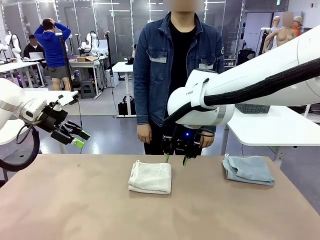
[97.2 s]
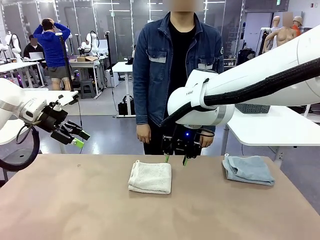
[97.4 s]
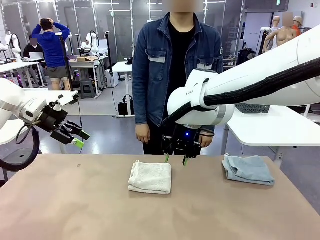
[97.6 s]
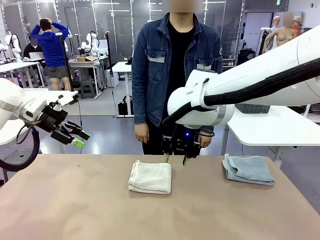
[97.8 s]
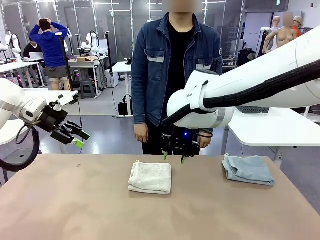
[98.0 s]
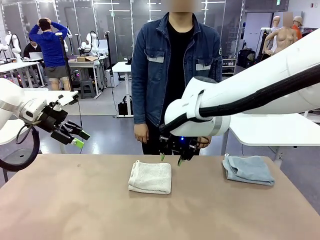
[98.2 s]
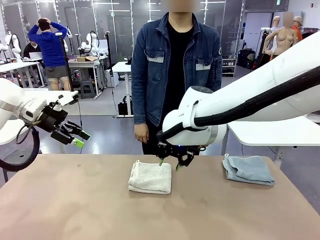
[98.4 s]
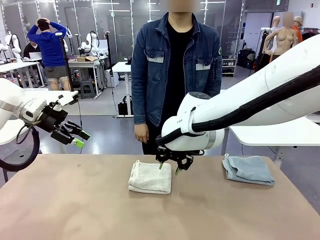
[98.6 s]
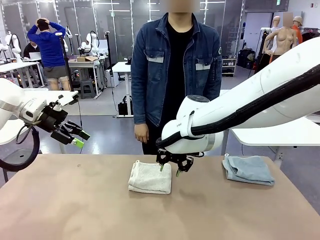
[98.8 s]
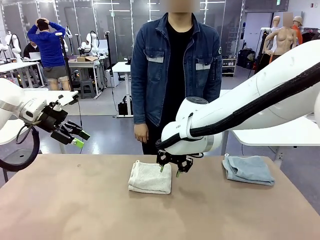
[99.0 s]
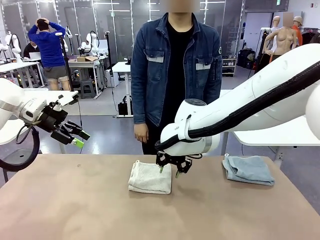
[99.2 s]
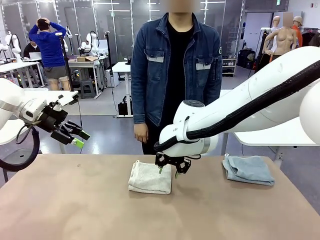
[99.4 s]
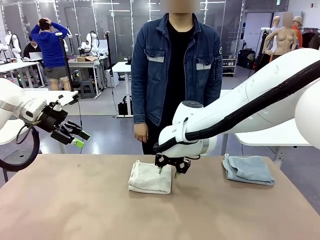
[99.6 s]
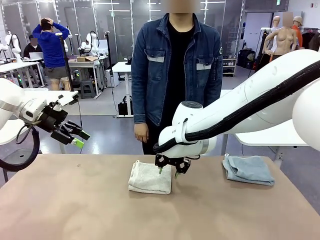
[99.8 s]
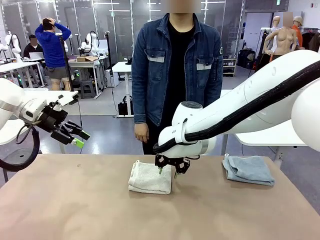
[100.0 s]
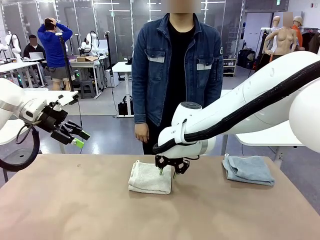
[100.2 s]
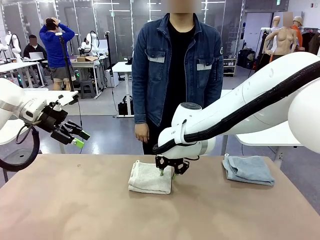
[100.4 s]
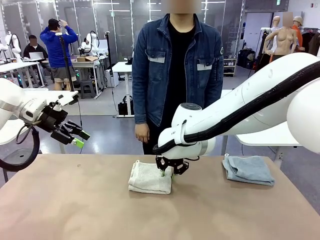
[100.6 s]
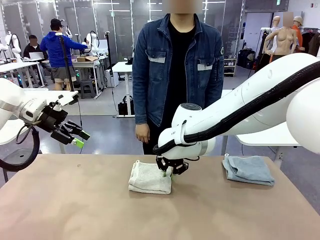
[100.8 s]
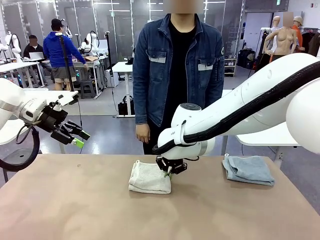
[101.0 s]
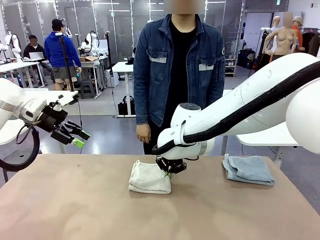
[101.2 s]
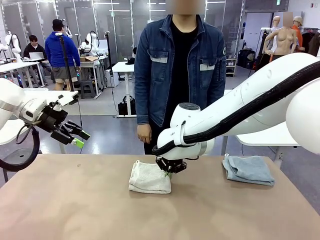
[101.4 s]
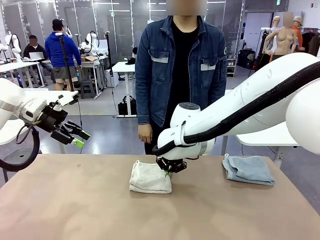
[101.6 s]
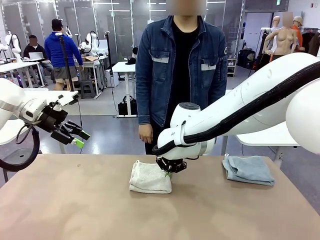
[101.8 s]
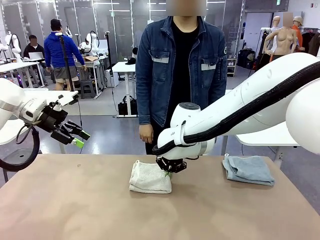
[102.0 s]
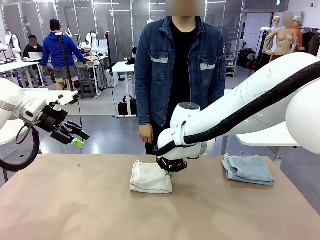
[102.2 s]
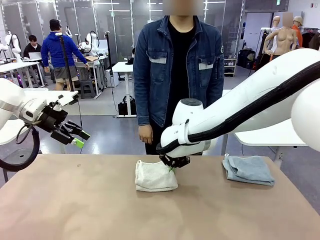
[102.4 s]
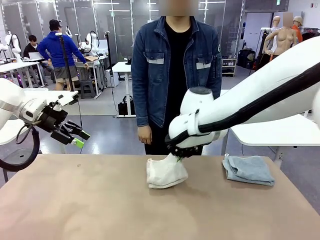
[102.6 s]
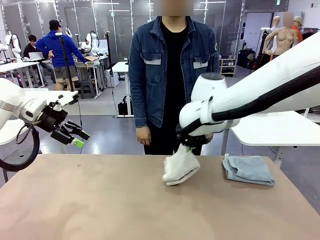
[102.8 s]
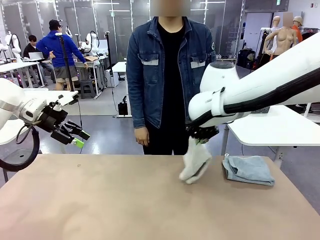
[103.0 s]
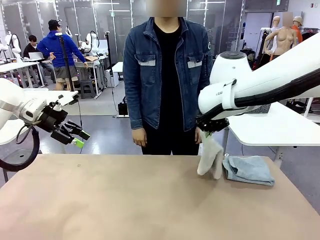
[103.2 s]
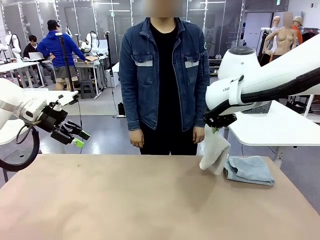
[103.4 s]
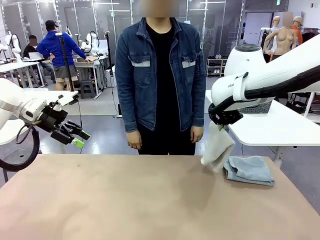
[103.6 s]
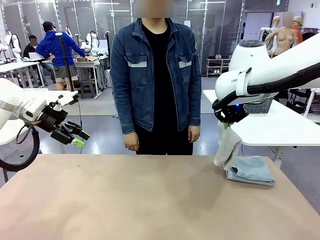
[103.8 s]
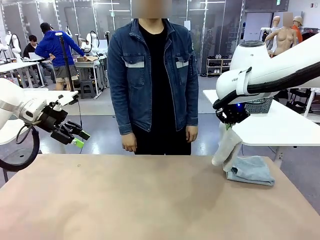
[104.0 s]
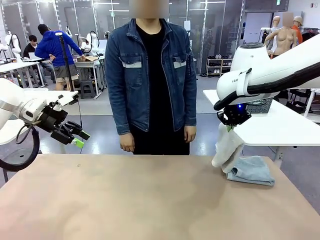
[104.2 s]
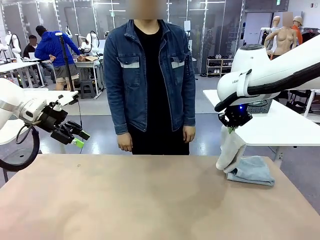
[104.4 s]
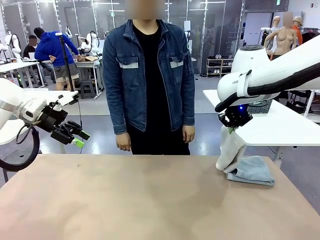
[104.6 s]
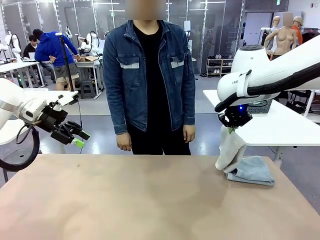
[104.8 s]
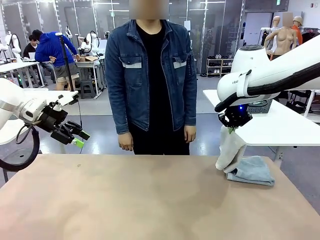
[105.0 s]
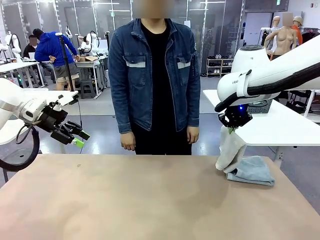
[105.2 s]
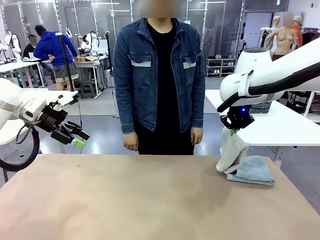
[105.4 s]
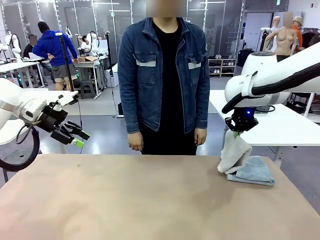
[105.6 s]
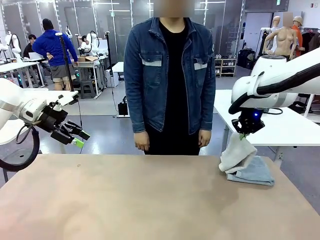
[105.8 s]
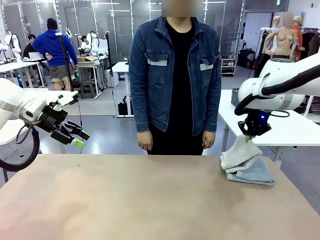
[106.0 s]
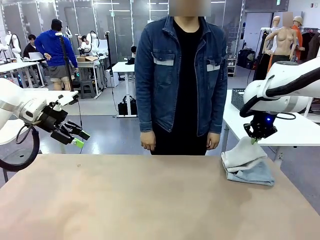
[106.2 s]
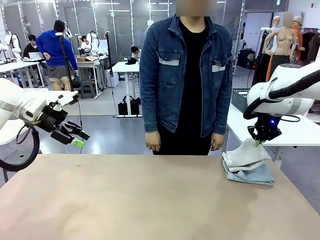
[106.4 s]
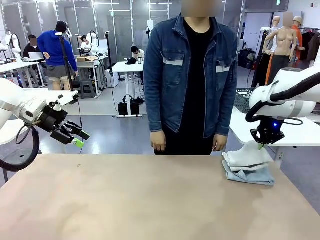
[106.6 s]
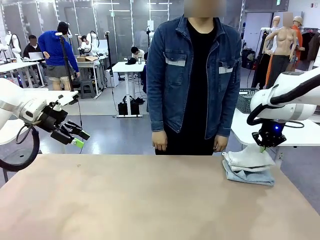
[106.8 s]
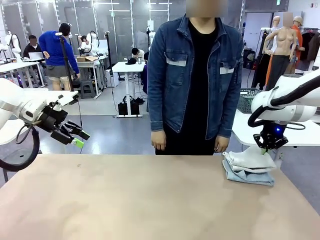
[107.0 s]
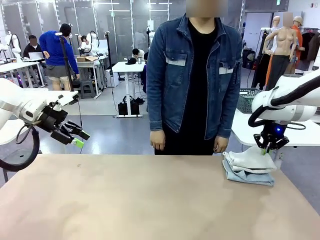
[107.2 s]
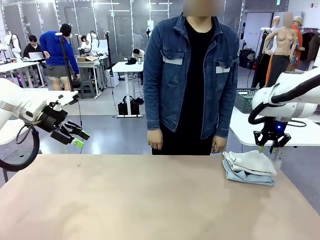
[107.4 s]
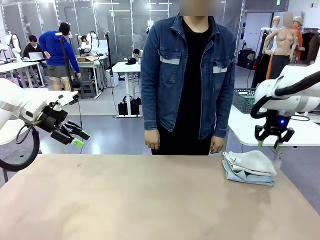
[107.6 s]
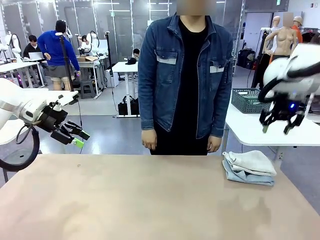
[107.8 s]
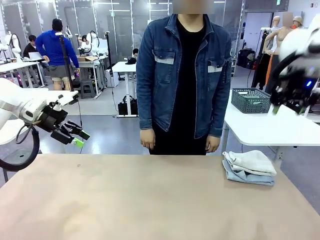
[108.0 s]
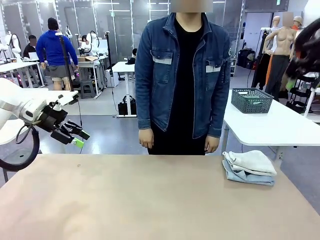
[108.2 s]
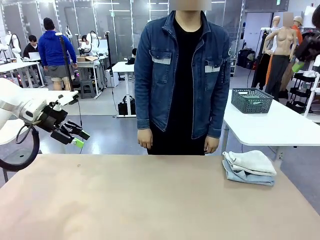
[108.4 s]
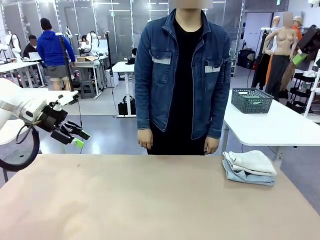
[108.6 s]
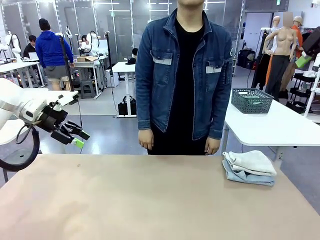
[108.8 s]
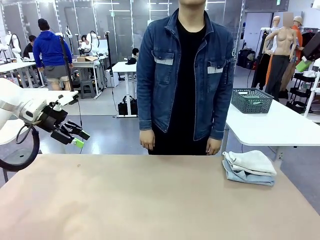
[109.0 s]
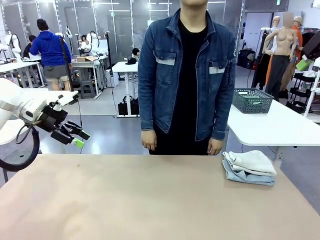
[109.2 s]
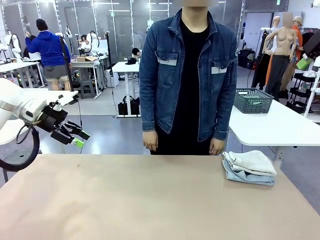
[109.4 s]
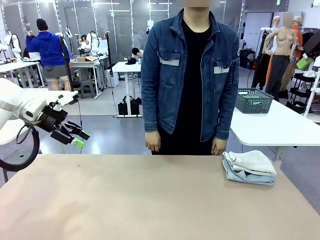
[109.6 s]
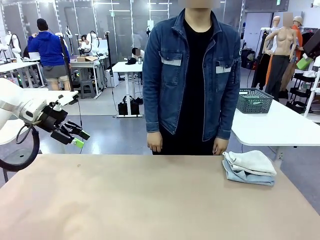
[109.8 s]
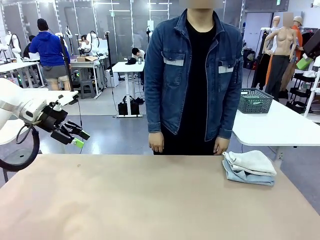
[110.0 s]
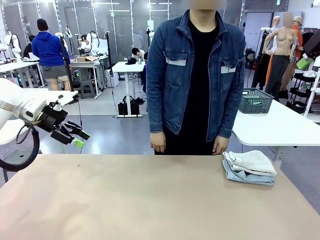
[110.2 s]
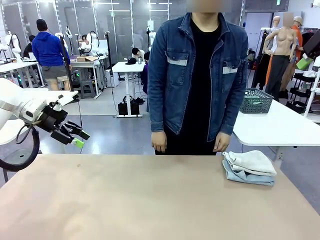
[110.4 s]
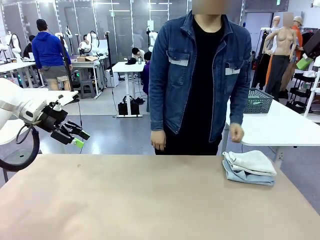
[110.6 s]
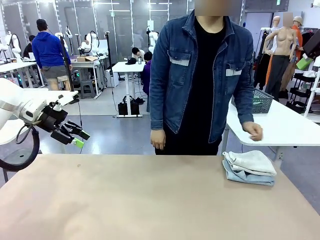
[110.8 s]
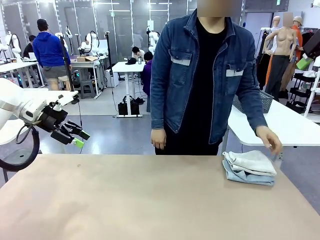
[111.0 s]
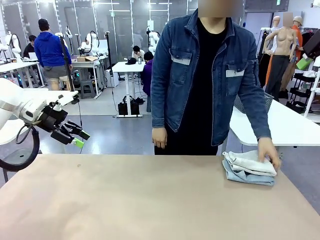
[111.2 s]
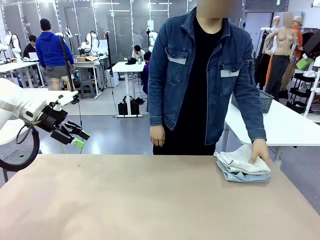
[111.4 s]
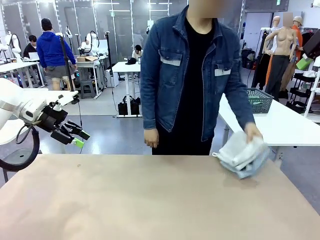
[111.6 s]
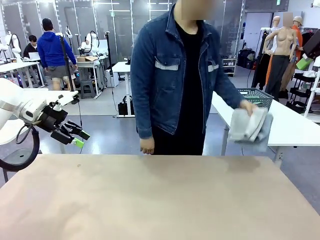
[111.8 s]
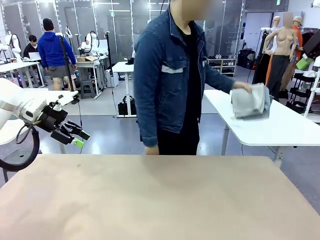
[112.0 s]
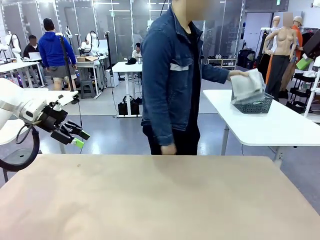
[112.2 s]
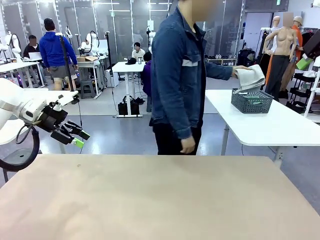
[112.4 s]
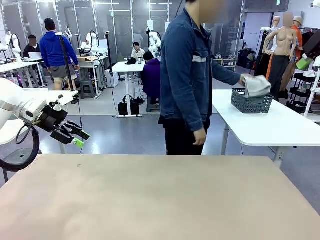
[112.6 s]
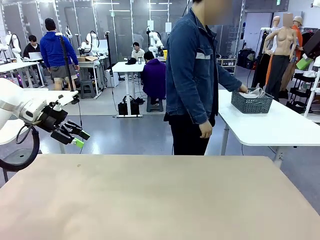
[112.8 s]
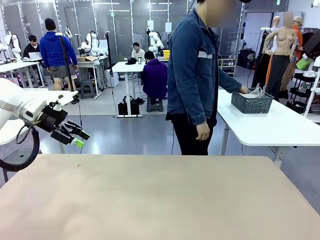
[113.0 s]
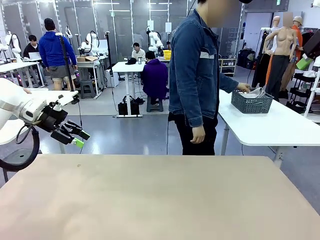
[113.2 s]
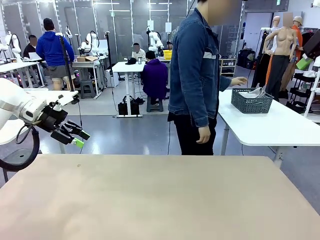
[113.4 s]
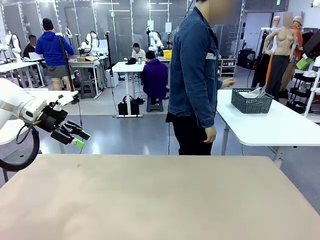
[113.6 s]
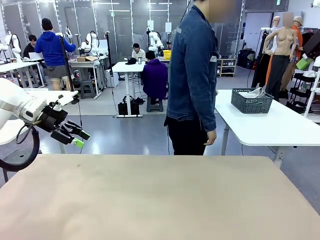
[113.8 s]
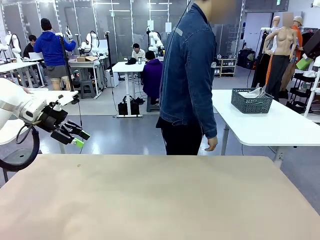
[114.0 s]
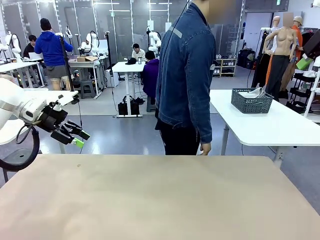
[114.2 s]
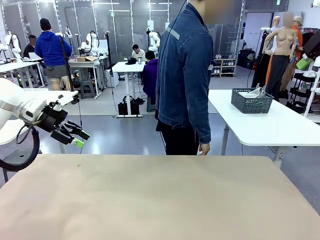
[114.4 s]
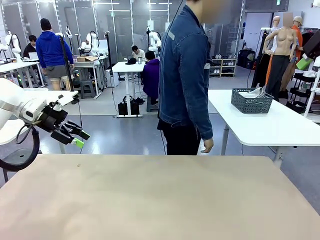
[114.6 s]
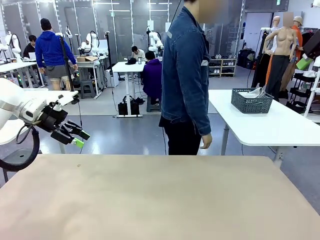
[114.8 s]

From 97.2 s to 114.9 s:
Task: Fold the towels and place them in the basket.
Robot: Stack the folded Towel with hook on the right side of the table.
Person: Pick up the stack of towels from the robot table and place it into the basket.
